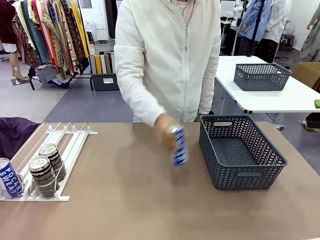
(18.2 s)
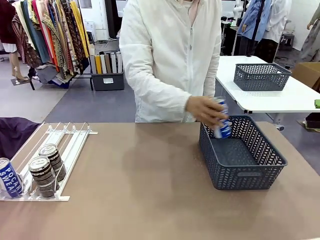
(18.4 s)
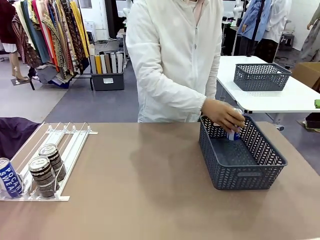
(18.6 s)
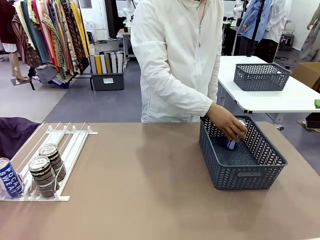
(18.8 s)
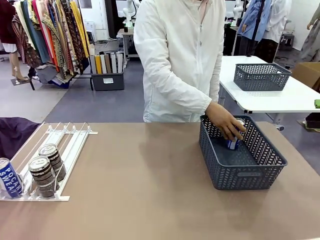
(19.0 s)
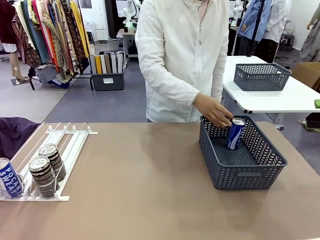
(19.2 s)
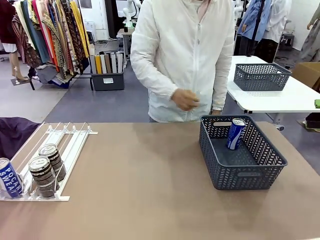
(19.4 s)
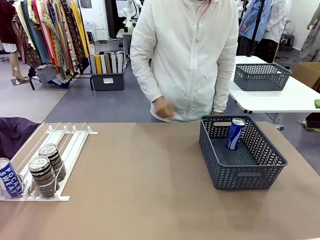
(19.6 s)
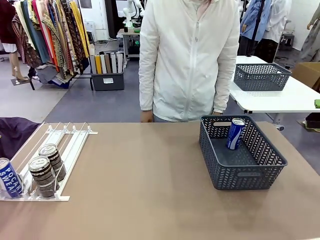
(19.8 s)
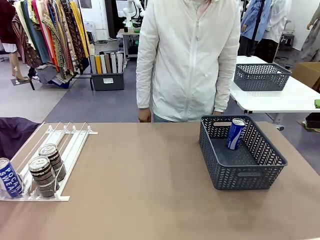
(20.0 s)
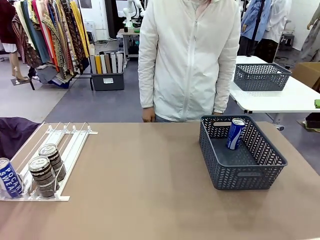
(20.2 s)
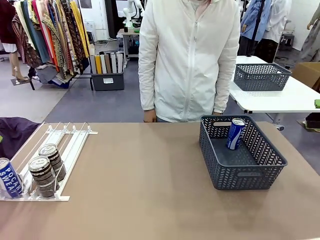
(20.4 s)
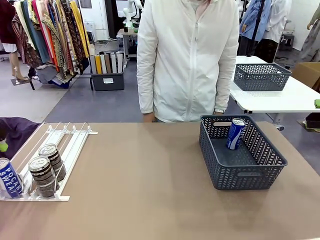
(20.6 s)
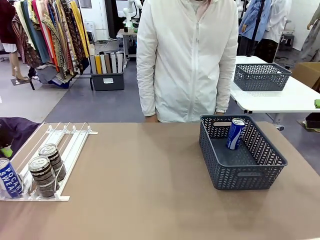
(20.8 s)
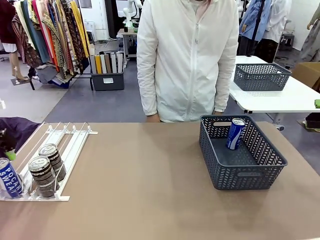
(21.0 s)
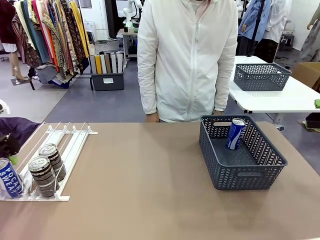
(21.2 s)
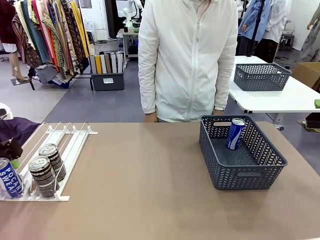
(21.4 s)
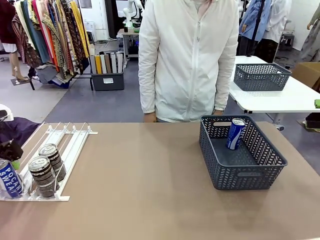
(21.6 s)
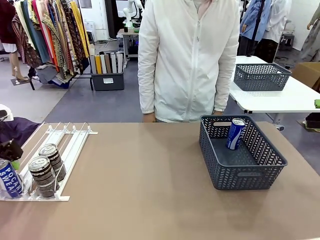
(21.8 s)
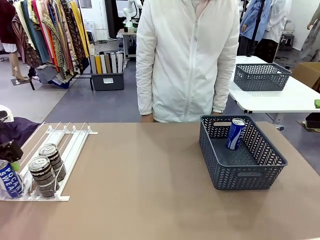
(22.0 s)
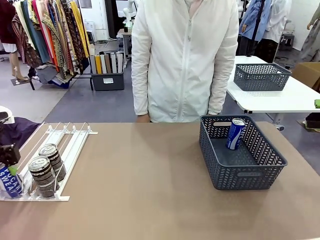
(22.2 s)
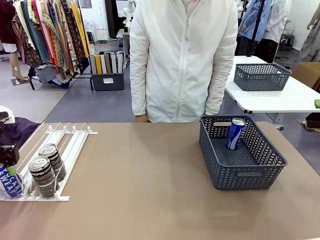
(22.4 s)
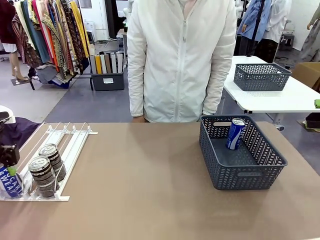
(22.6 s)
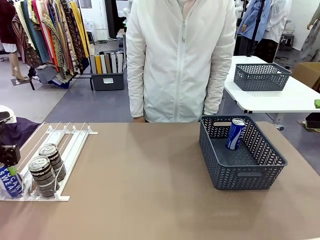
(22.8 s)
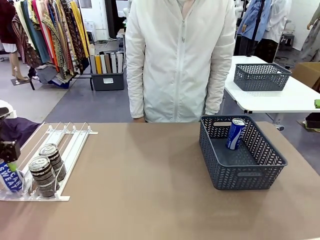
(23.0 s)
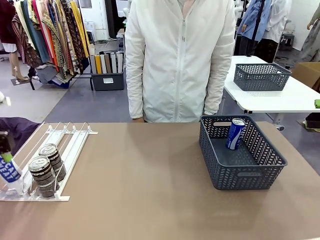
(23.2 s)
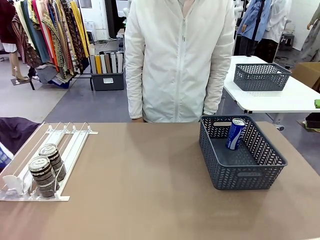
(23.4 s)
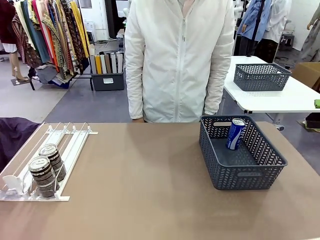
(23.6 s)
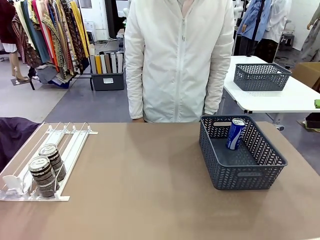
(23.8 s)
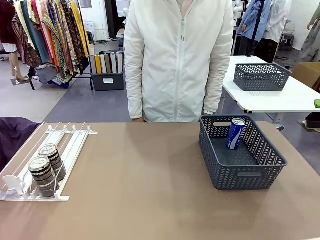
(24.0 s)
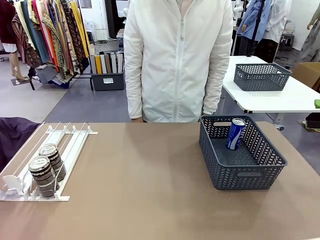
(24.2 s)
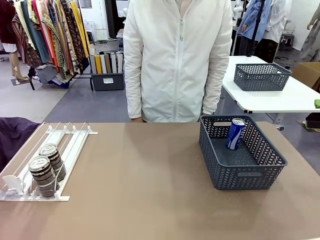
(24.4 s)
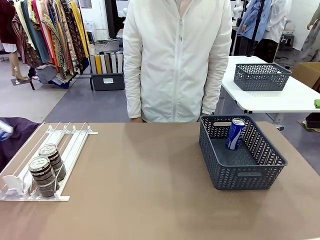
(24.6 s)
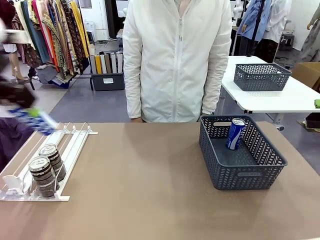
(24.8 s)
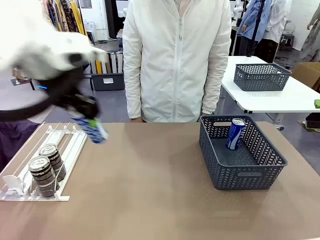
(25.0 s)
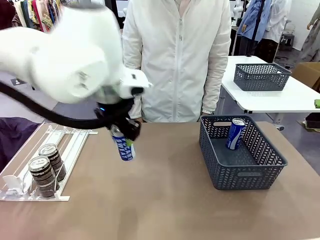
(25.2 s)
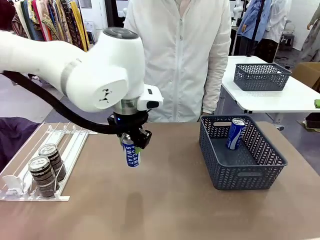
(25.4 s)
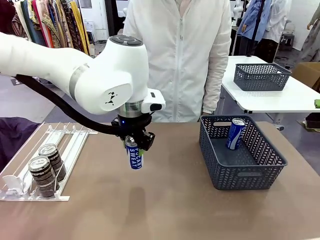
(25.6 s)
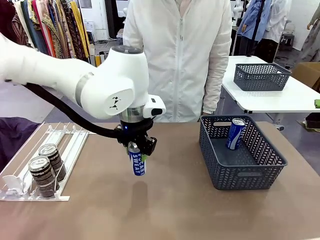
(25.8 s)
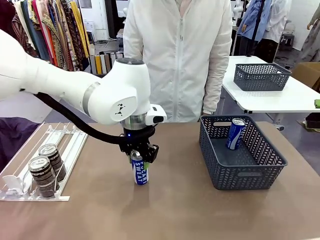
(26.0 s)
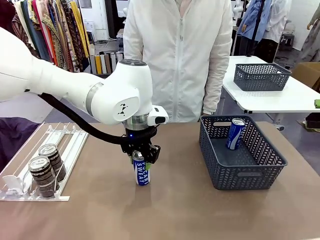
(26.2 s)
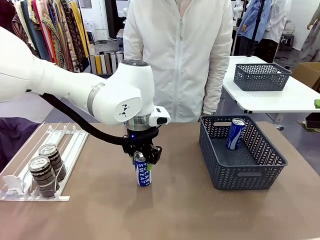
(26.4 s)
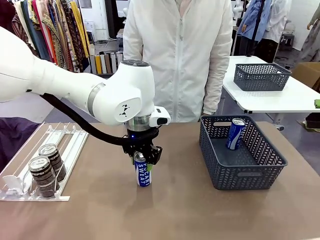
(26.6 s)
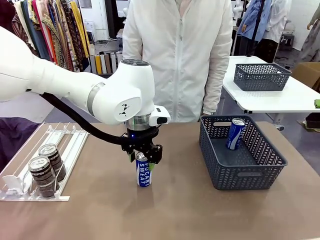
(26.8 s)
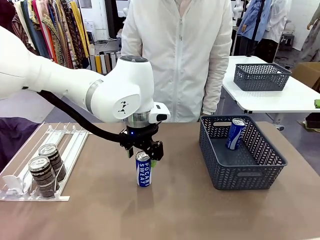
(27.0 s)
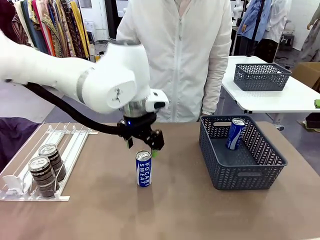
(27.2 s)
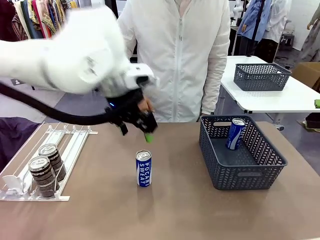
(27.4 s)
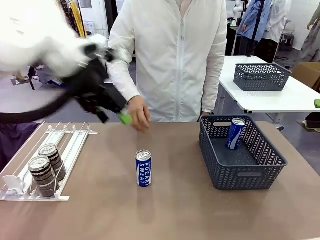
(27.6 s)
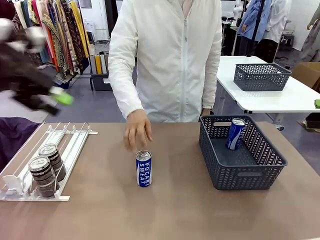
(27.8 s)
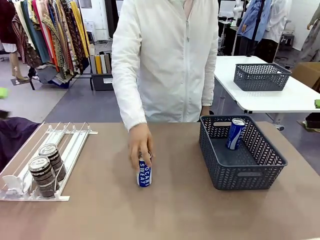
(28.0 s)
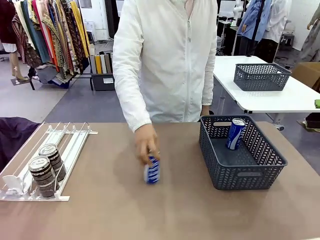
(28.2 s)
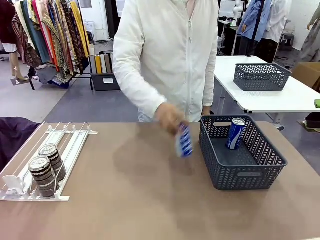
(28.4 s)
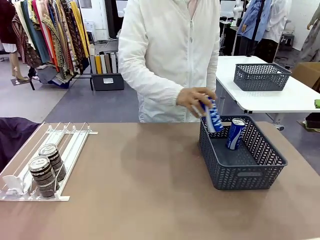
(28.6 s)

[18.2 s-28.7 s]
Task: Retrieve and store the cans from the dispenser.
Robot: Pick up the last remaining can from one row of the Automatic Can Dispenser and place it in the middle of the table.

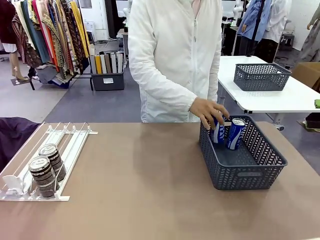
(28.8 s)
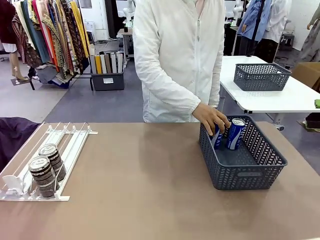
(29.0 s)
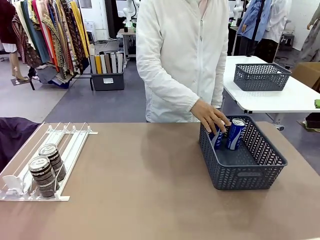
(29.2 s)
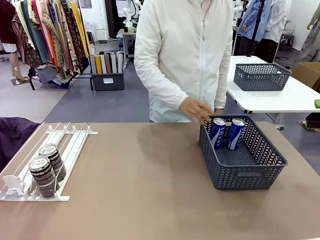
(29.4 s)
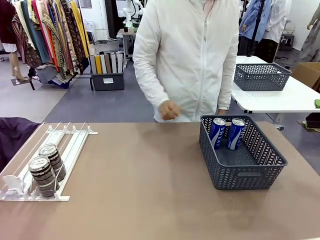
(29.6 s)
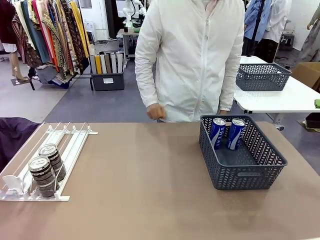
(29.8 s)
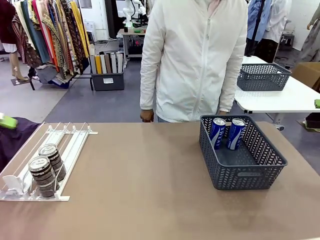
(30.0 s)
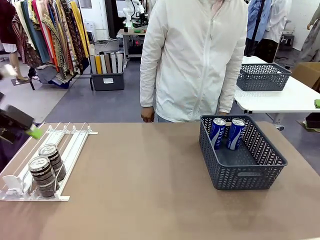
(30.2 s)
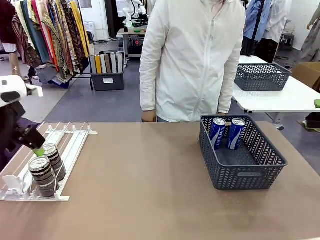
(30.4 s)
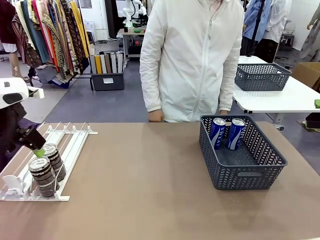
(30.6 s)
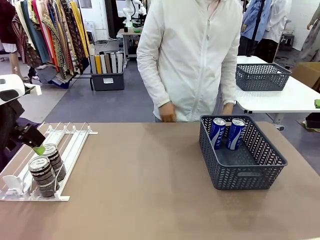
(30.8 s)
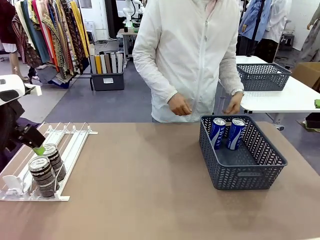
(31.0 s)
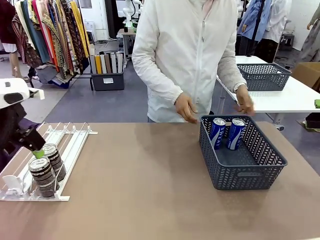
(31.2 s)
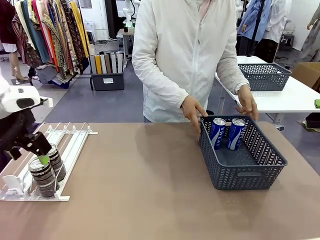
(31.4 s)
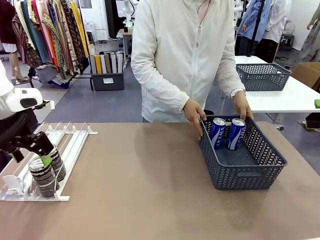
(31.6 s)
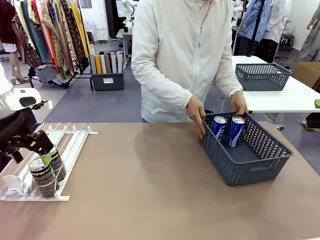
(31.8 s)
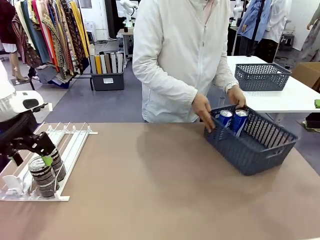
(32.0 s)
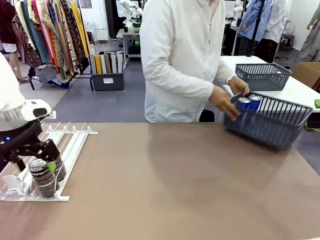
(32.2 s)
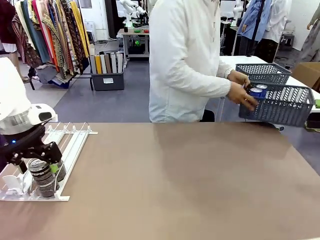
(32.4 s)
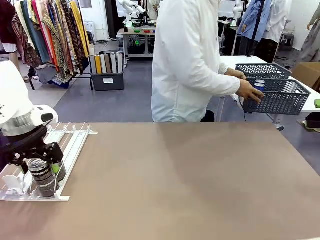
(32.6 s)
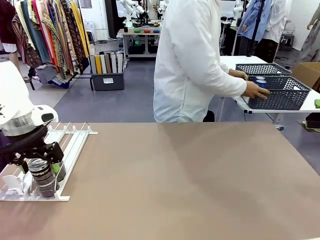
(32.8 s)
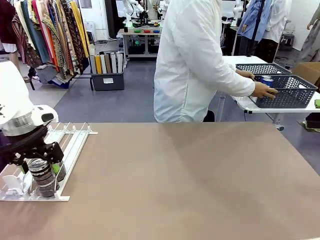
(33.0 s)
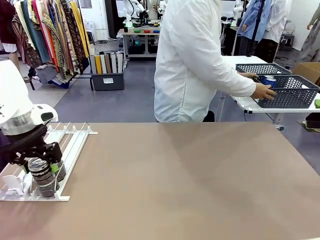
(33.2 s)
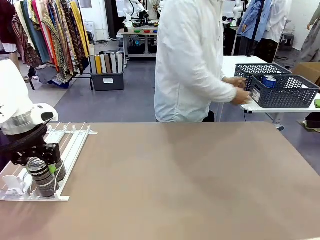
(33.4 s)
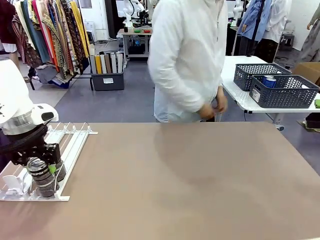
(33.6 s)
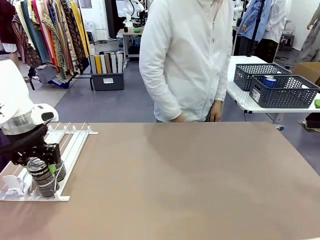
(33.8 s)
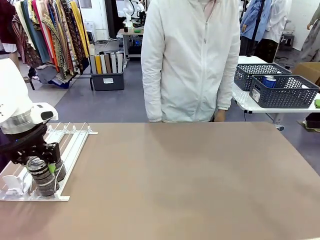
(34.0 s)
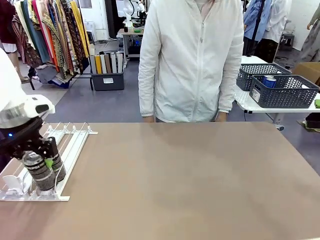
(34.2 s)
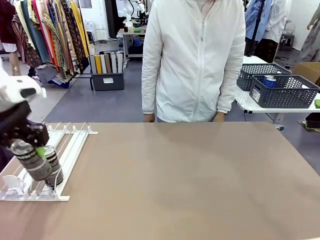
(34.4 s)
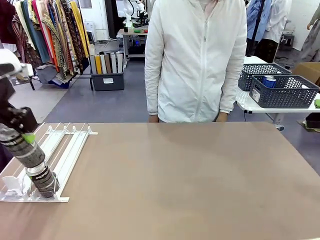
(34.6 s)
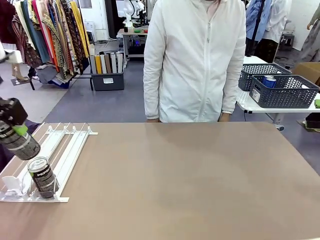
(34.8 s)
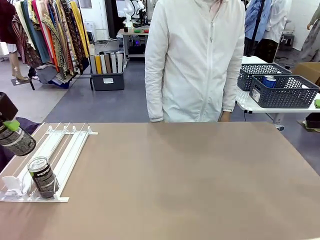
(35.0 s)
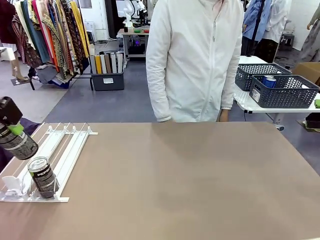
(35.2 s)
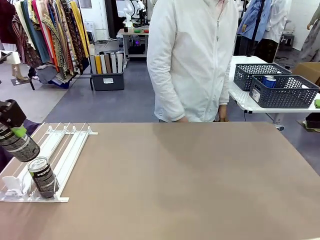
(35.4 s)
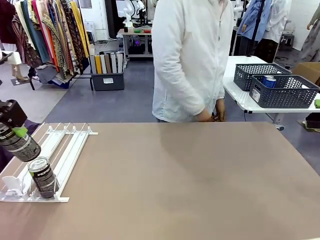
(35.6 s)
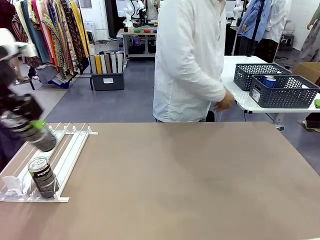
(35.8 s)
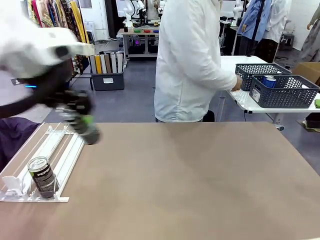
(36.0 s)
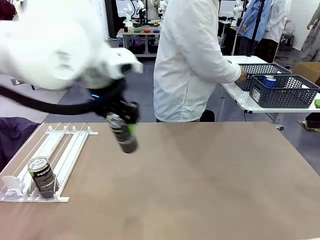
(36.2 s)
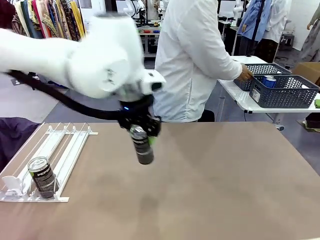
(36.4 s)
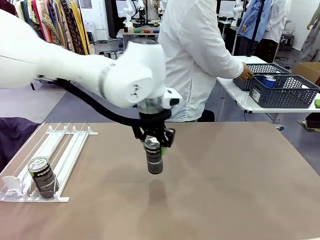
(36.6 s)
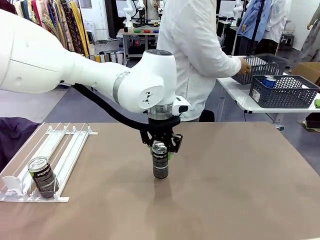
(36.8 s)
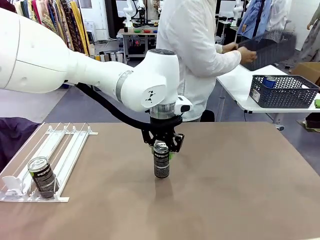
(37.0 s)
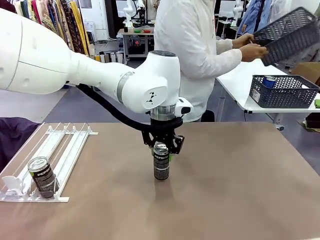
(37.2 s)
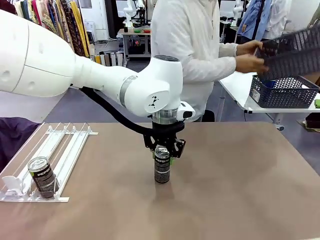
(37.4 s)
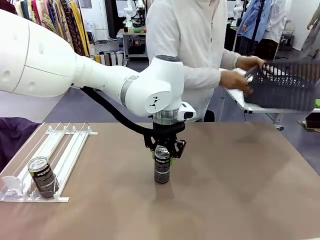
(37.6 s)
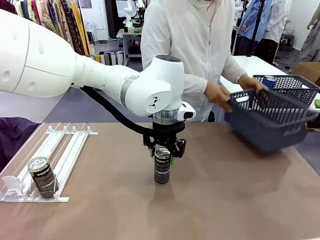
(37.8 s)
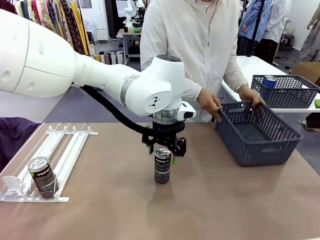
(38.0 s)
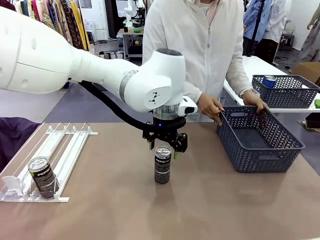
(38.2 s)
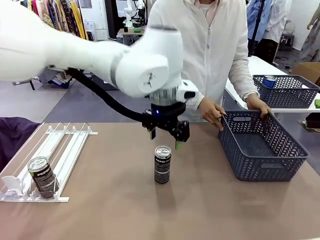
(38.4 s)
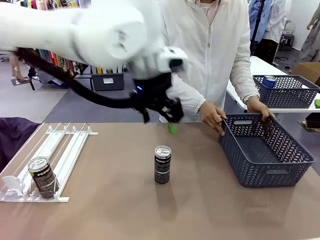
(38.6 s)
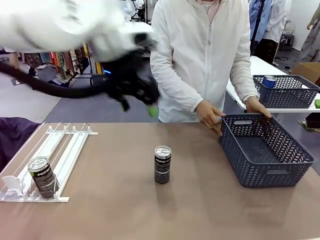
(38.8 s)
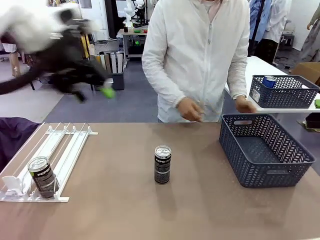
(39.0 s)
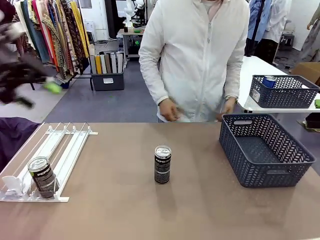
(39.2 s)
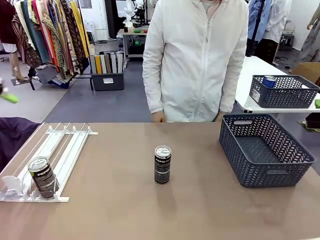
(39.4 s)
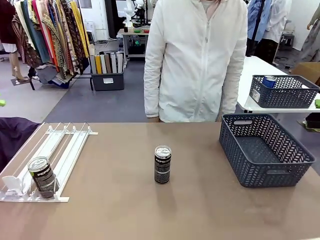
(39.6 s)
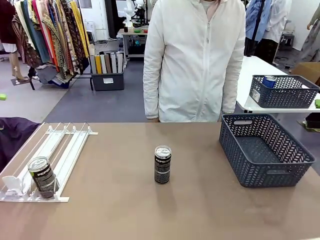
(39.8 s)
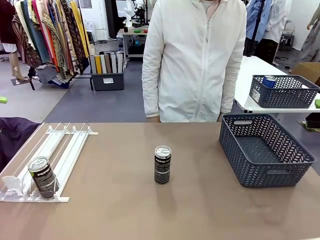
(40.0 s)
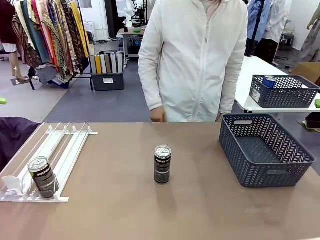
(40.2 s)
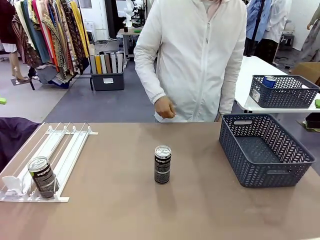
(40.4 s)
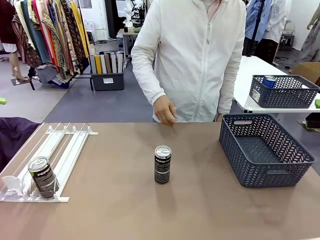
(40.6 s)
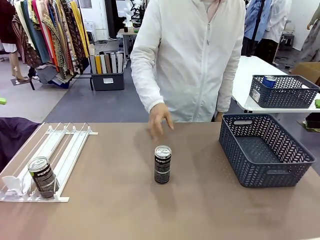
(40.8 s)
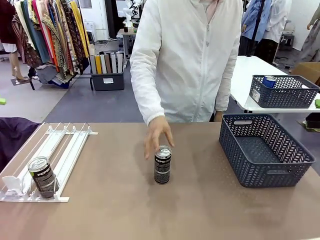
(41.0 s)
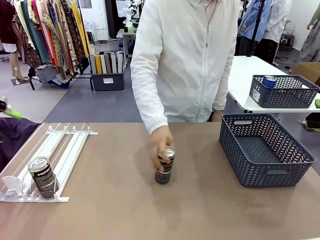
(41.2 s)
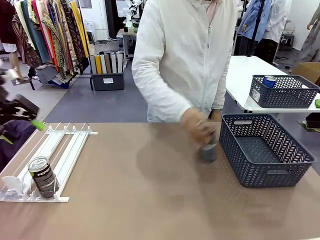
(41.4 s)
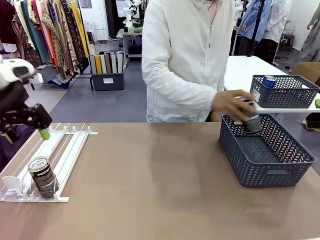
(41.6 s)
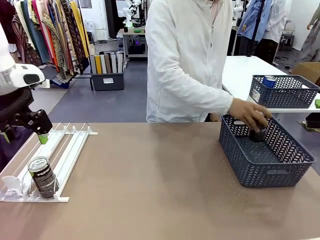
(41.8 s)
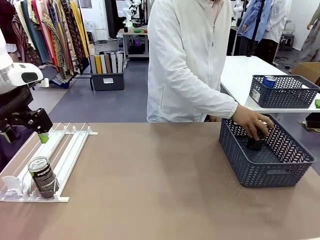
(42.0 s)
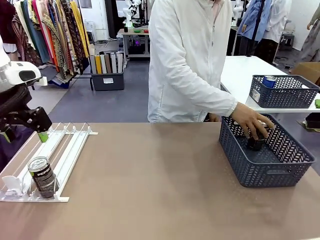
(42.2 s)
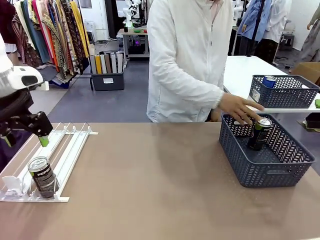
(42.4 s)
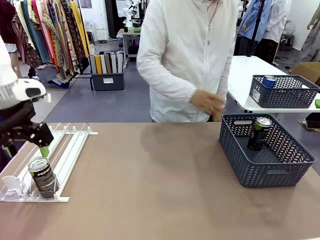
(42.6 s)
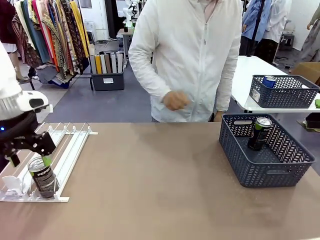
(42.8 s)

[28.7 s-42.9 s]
Robot: Pick up one can from the Automatic Can Dispenser and place it in the middle of the table.
Person: Pick up the basket and place it in the middle of the human table. Pick up the empty basket and place it on the left side of the robot table.
